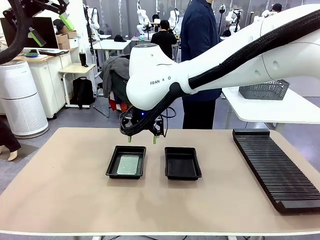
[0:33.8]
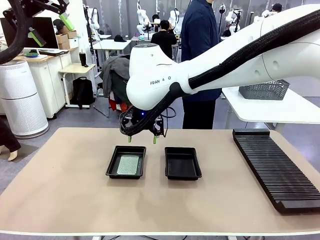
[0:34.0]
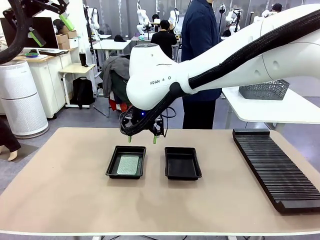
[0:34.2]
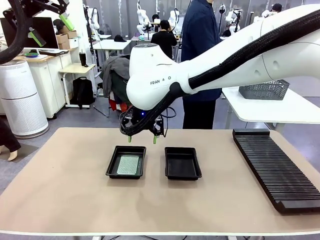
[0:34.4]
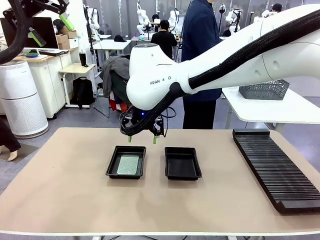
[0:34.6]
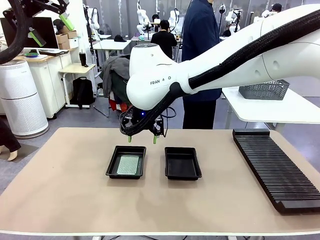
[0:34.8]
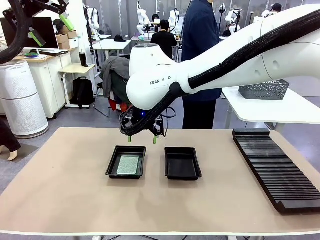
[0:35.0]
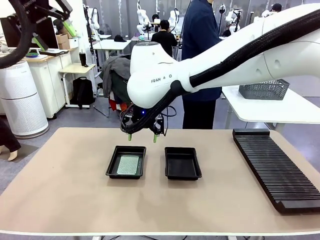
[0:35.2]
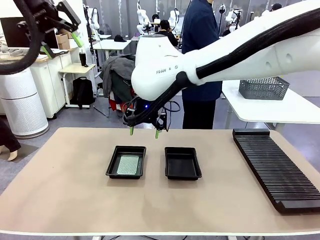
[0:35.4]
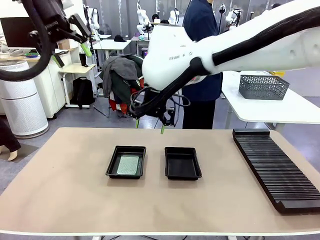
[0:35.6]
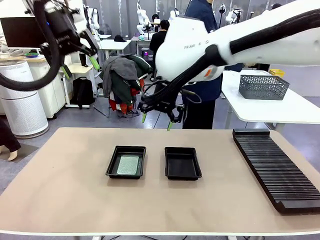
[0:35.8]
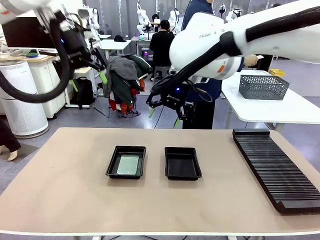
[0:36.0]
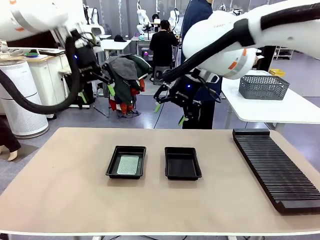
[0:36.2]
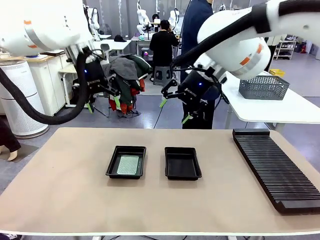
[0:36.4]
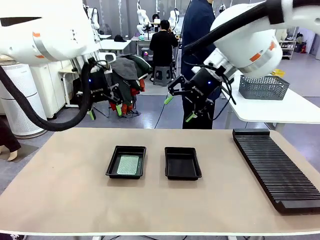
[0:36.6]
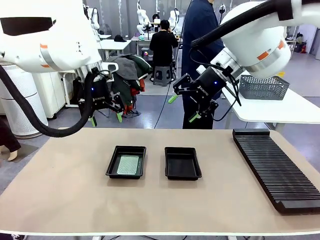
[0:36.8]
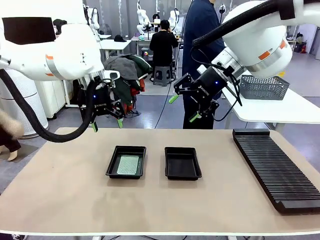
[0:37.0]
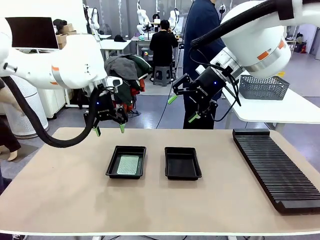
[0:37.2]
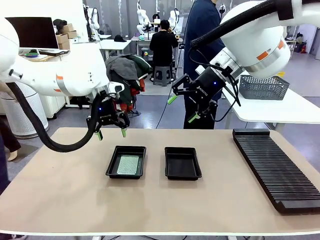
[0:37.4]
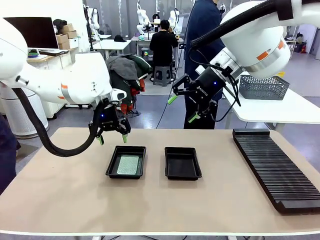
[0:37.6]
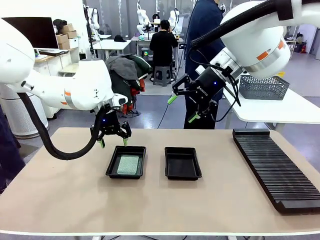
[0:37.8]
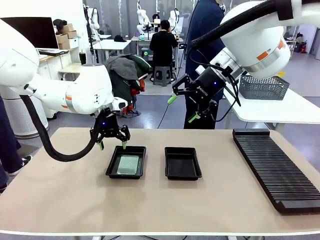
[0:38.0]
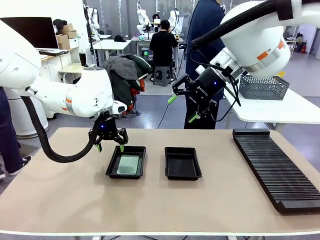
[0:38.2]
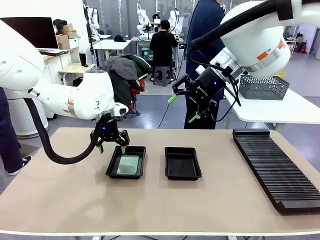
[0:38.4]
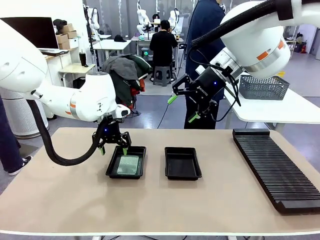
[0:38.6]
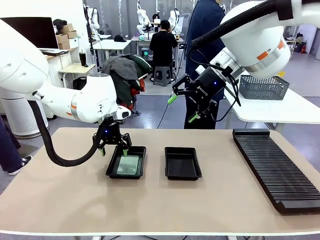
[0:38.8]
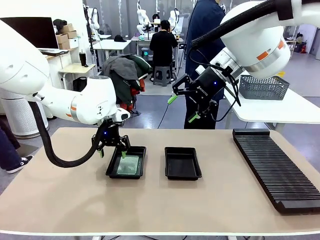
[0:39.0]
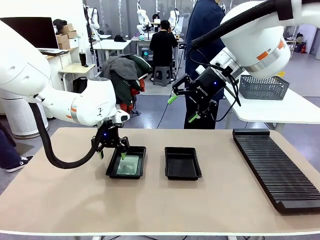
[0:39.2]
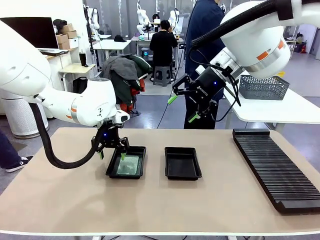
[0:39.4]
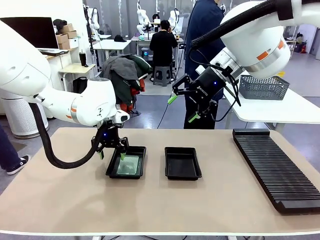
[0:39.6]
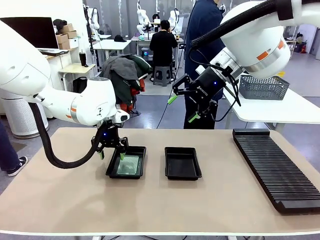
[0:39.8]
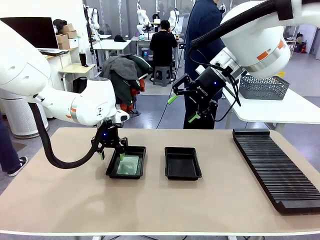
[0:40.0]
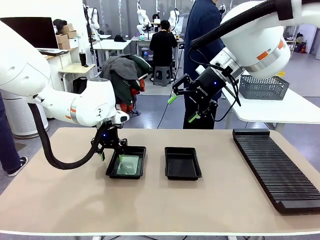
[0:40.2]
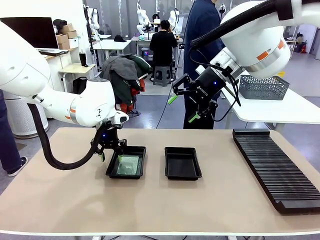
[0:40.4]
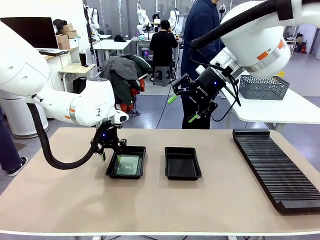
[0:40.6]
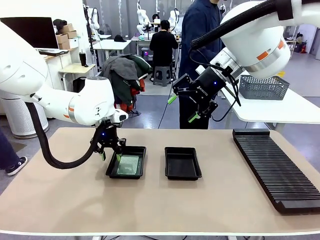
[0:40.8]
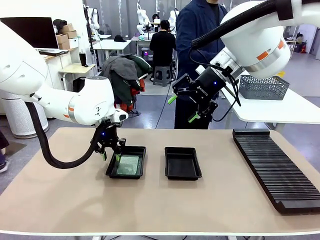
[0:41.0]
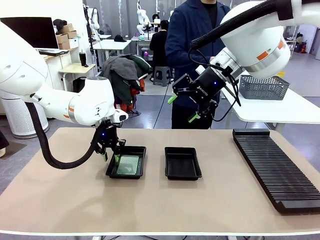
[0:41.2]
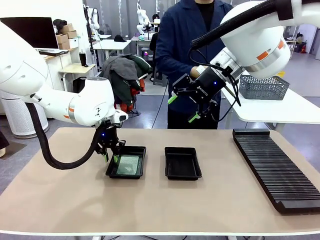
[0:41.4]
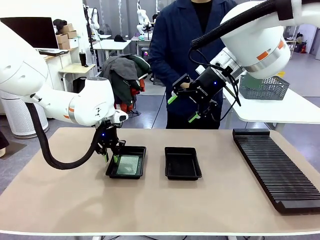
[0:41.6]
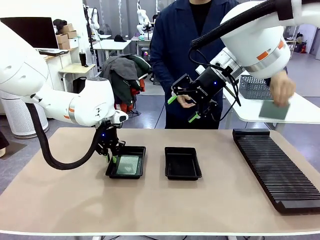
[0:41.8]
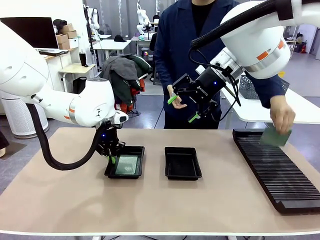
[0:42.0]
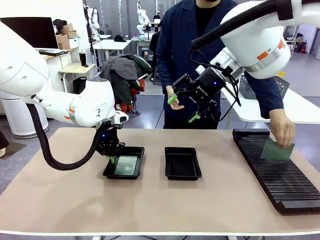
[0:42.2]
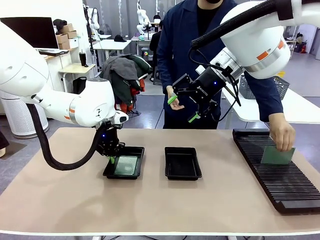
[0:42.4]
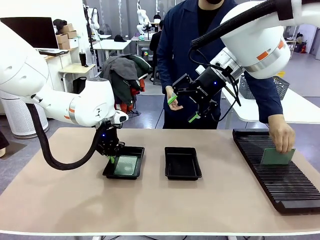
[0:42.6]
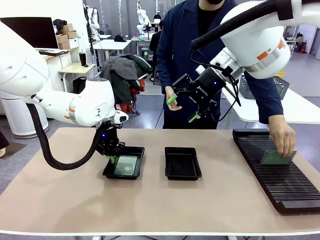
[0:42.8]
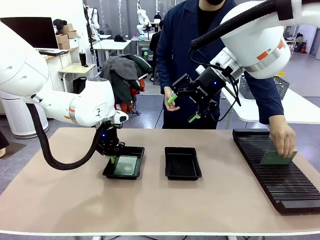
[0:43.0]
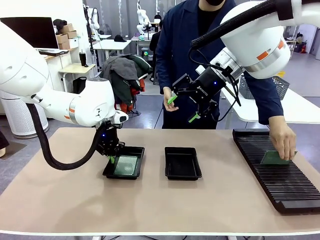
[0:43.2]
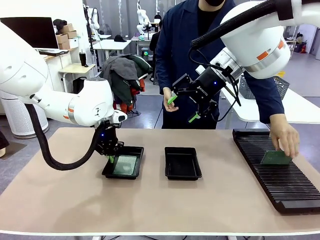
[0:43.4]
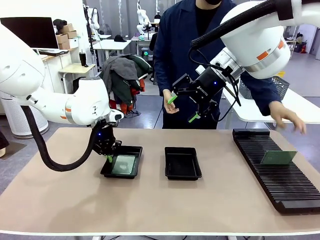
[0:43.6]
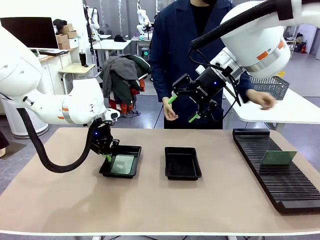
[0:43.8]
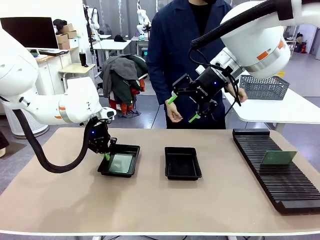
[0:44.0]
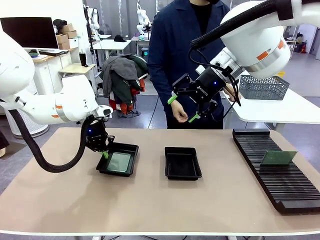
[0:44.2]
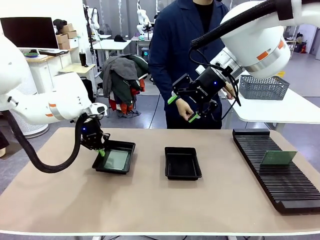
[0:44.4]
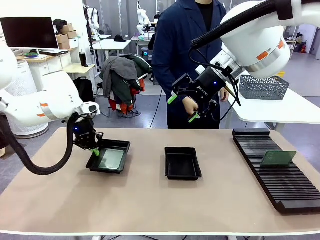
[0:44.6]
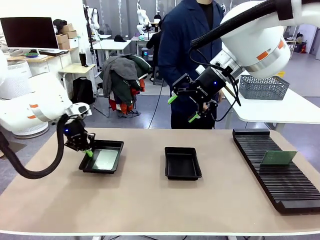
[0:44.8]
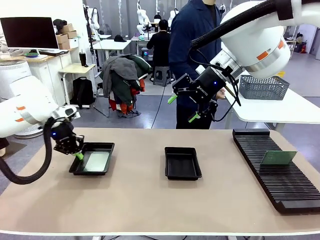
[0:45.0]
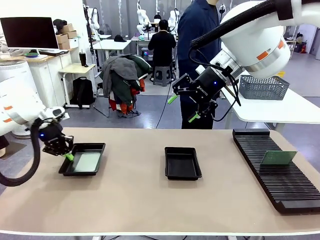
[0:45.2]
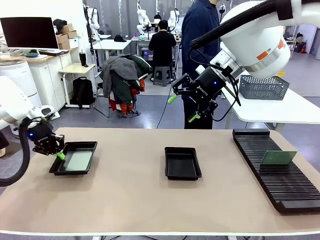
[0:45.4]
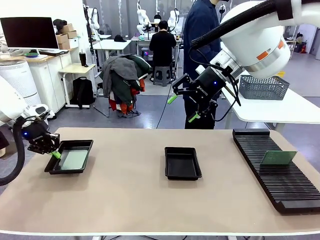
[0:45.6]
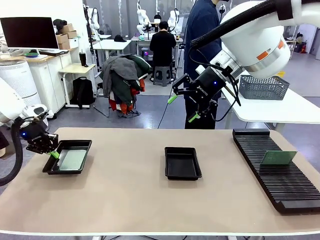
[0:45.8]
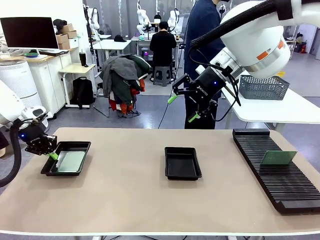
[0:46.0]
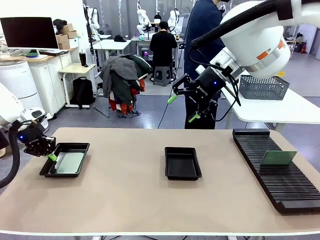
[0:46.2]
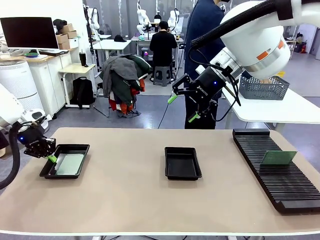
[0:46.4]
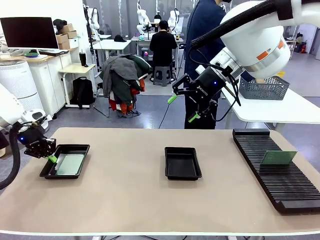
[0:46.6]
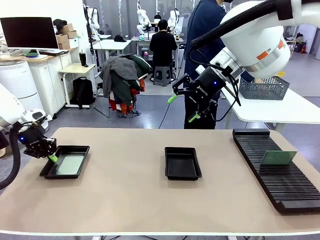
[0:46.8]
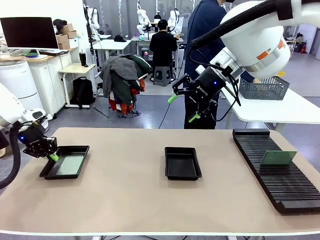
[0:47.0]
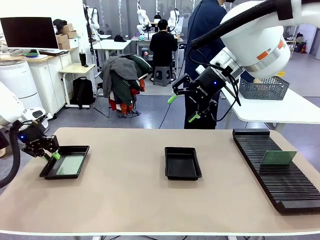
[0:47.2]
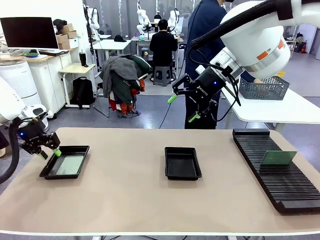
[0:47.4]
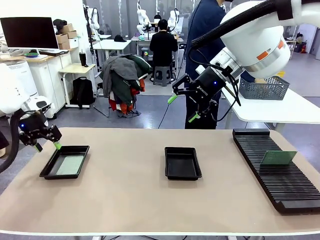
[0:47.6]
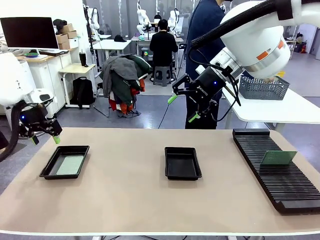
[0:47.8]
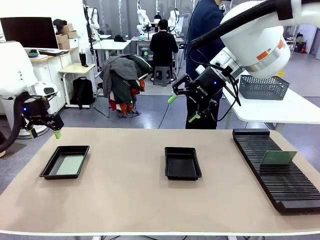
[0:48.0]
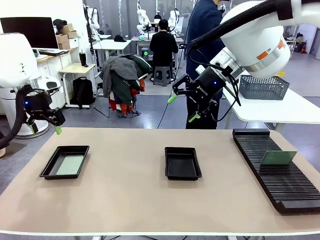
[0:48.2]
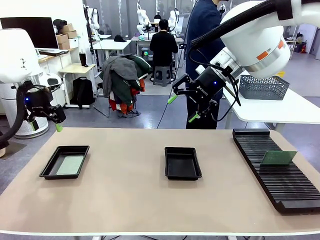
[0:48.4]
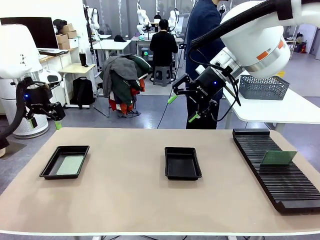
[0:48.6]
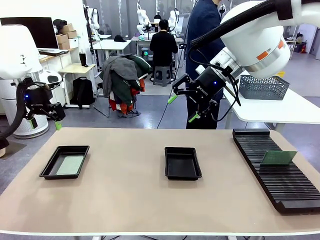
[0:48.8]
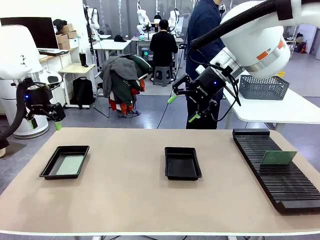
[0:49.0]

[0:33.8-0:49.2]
Task: Inspect and transfer BCBs to ESD trays.
Robot: Pick up the ESD tray and place it on the left side of the table.
